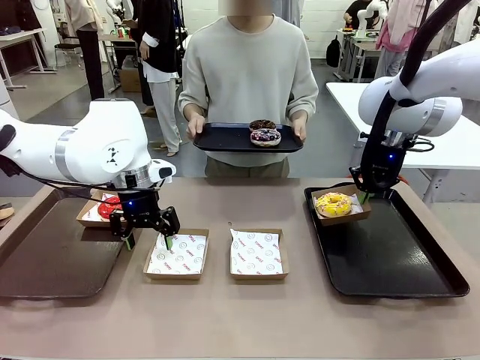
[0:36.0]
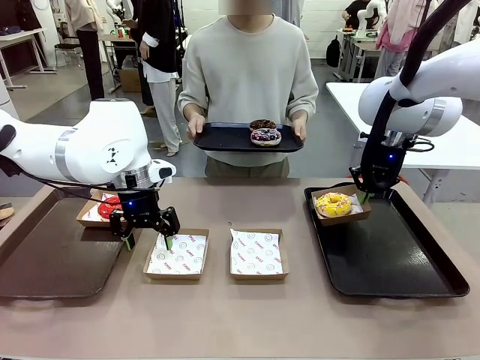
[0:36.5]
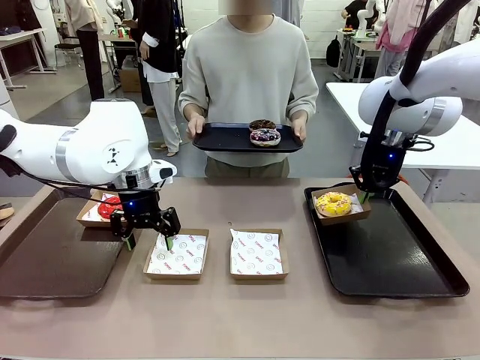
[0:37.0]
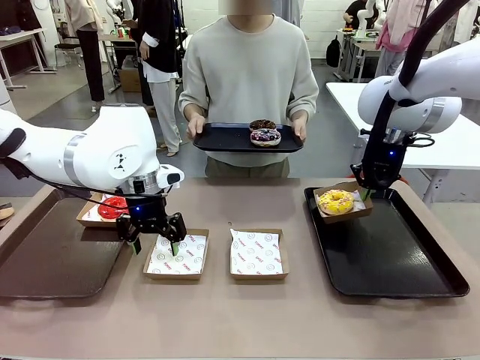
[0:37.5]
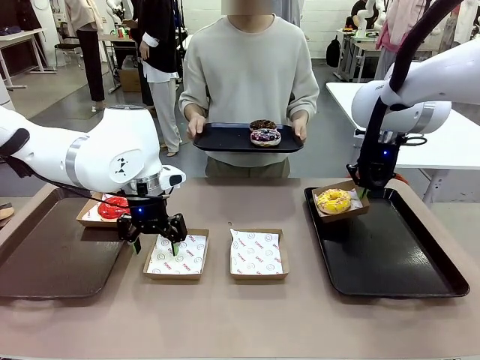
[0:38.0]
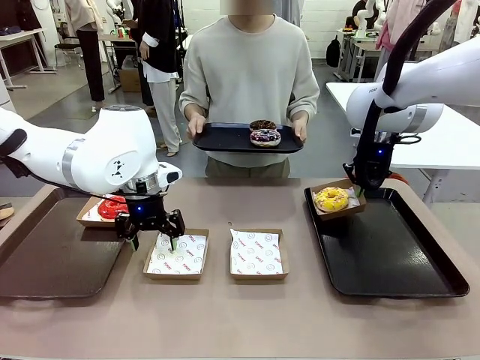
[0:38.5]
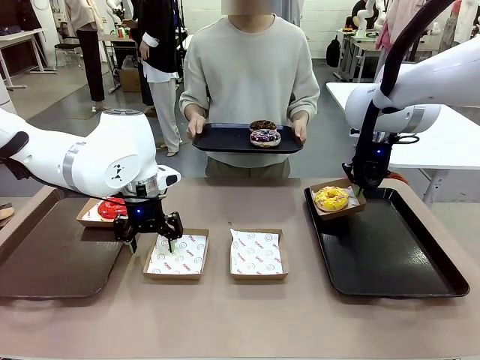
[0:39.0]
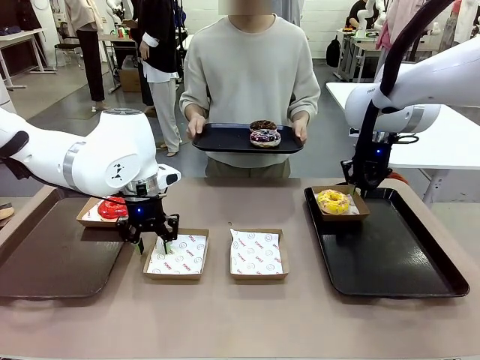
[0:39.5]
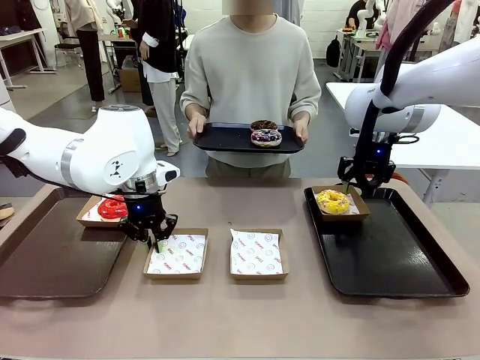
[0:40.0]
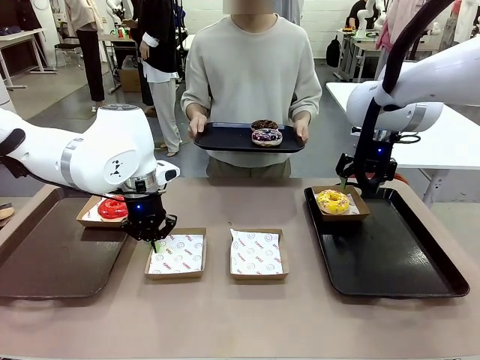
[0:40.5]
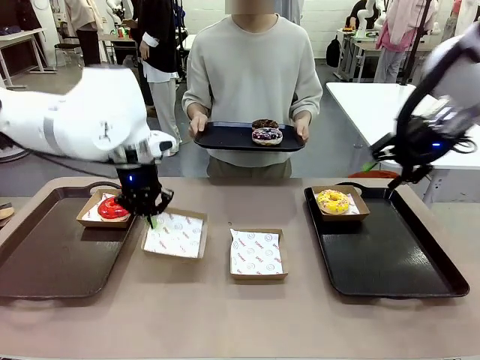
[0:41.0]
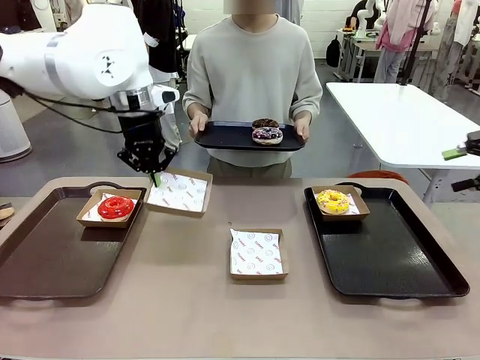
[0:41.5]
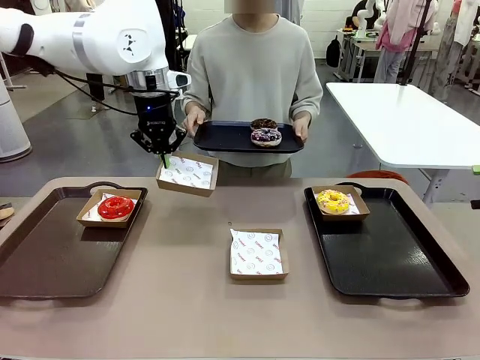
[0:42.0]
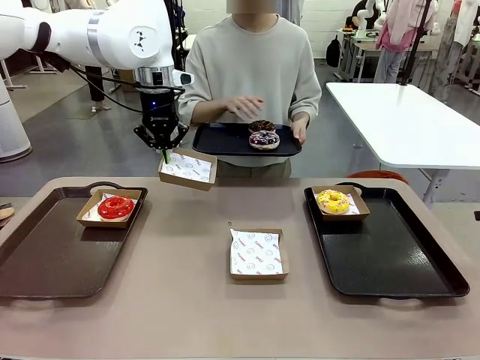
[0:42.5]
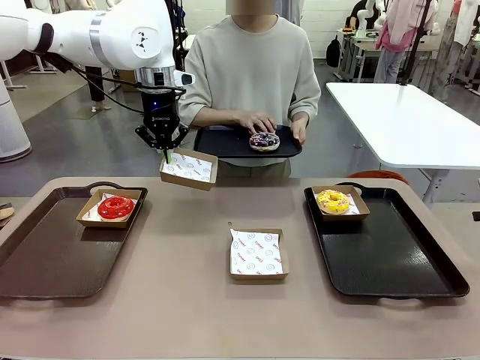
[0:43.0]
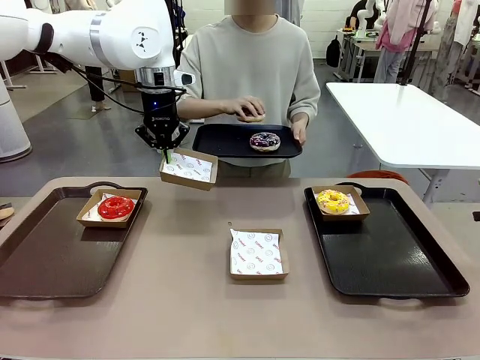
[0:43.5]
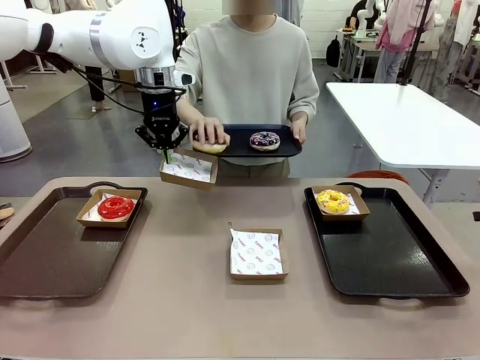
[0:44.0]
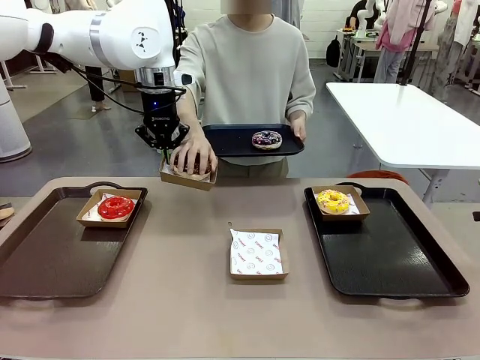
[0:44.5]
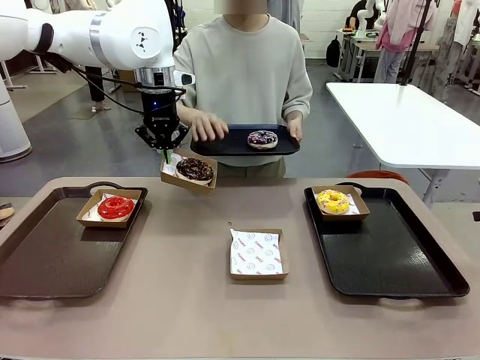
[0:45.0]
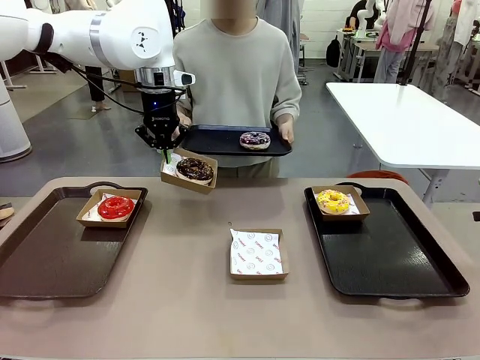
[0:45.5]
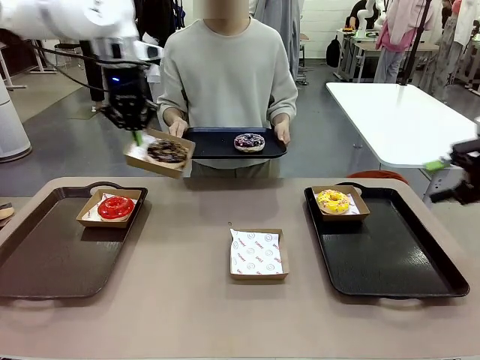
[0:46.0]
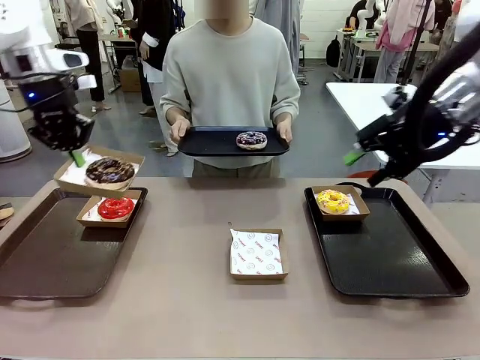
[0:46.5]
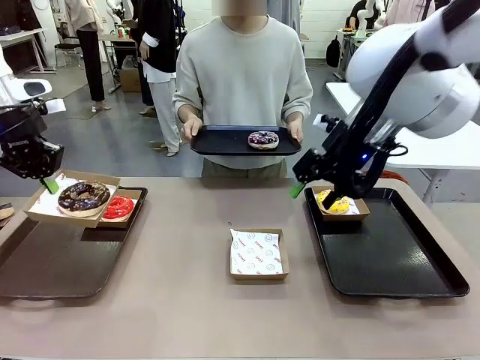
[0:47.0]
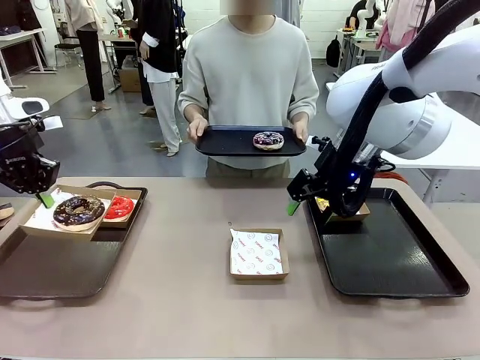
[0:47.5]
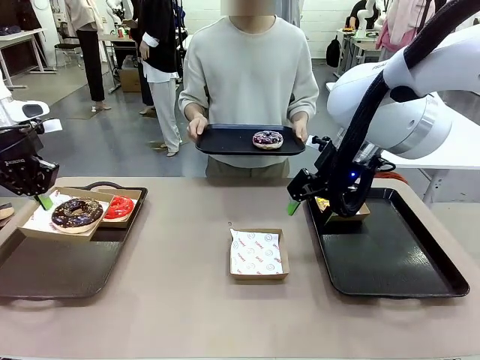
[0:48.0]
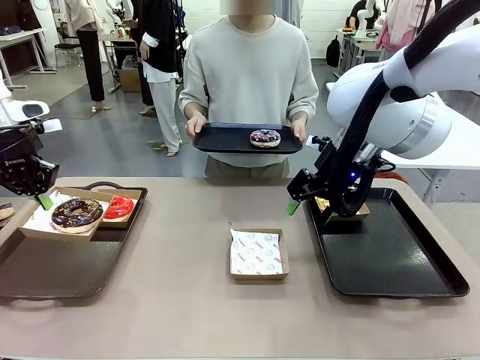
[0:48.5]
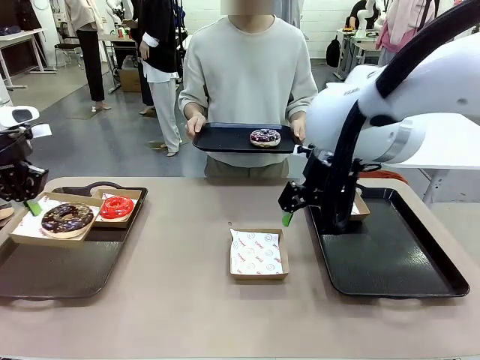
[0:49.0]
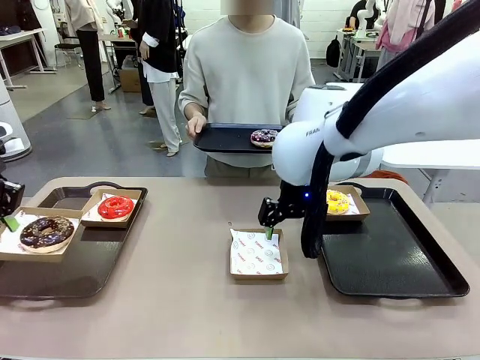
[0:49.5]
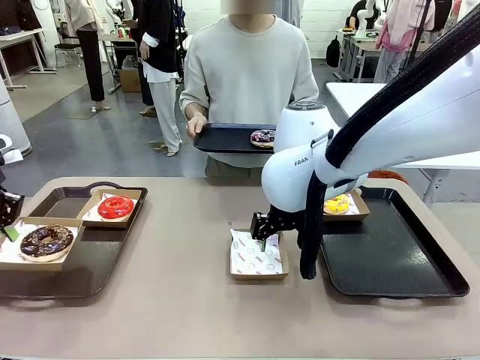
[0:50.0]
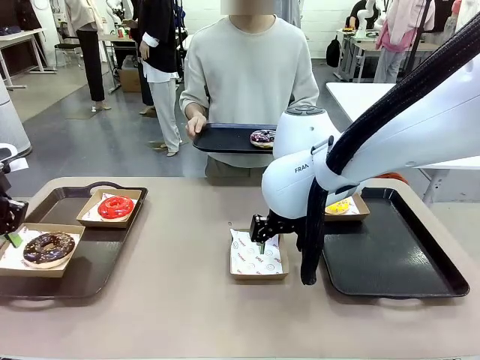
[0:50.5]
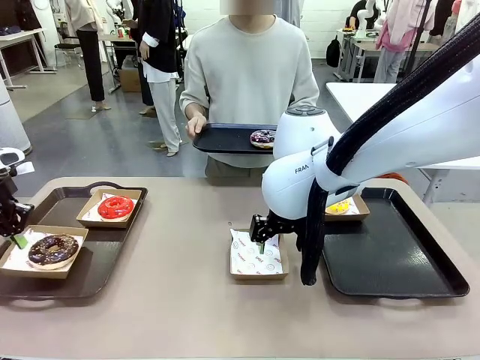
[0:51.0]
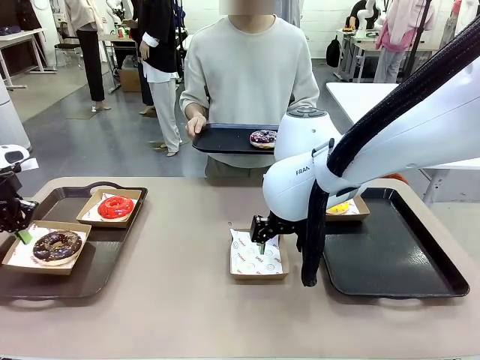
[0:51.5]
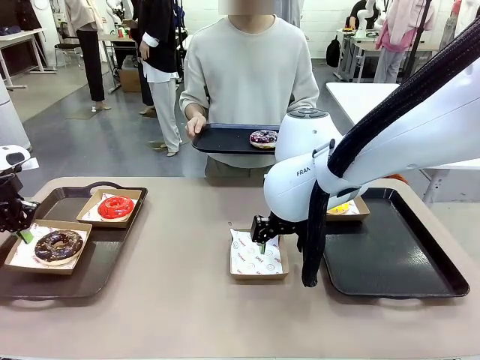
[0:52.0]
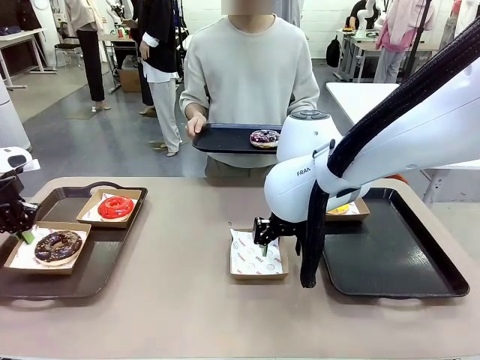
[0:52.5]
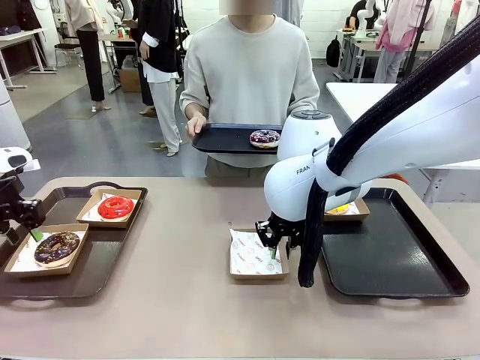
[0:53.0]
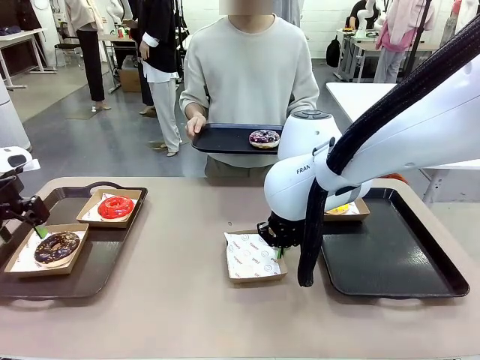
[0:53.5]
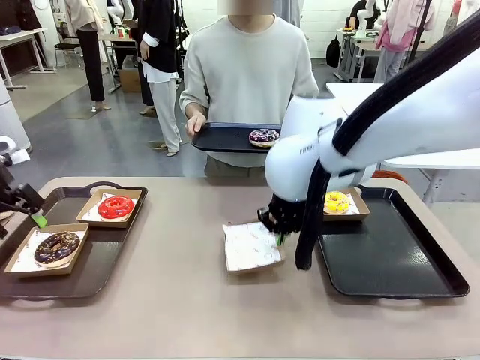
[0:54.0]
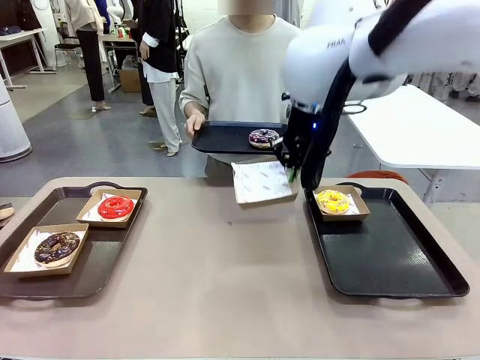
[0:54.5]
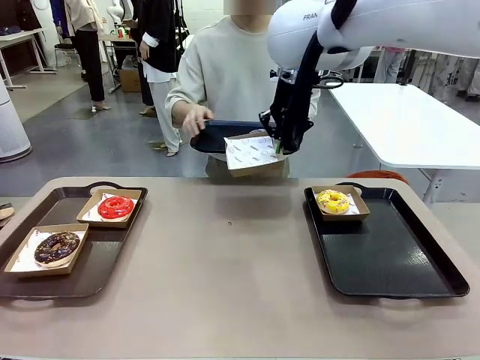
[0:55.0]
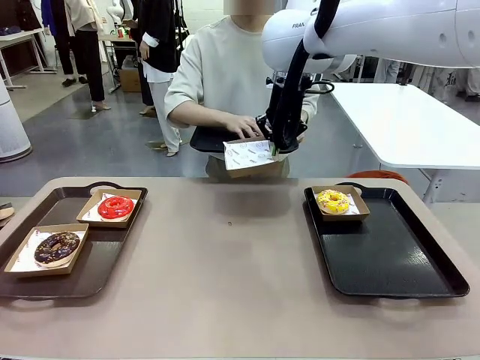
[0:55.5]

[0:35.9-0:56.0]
Task: Individually package the donuts and arrange them on the tray.
Robot: Place the picked Paper togo box on the Handle tray while simultaneously picking up another Paper togo box from the table with the other hand.
